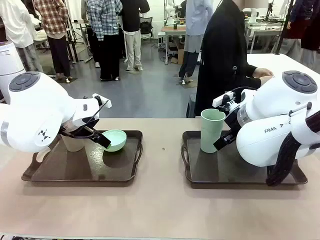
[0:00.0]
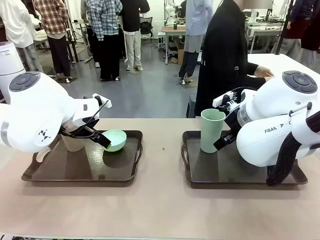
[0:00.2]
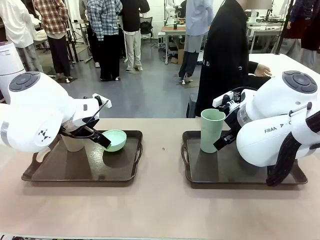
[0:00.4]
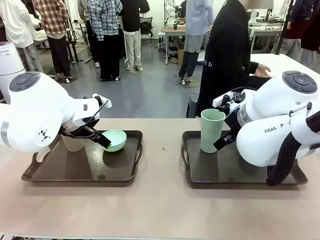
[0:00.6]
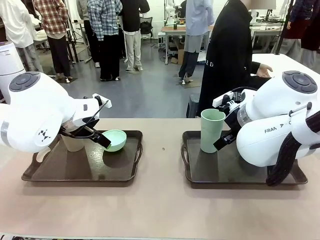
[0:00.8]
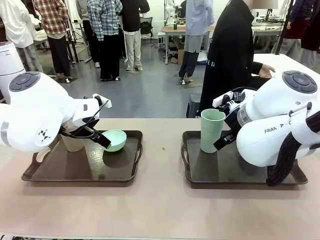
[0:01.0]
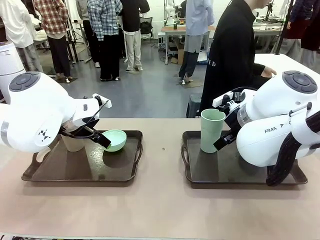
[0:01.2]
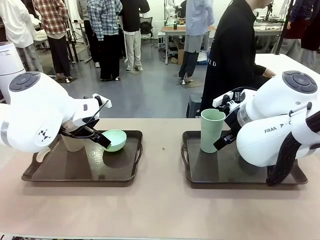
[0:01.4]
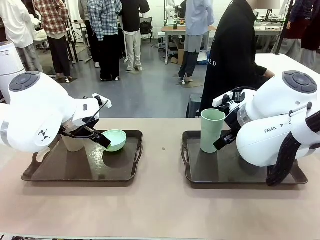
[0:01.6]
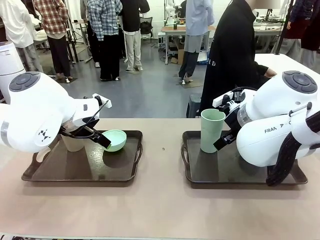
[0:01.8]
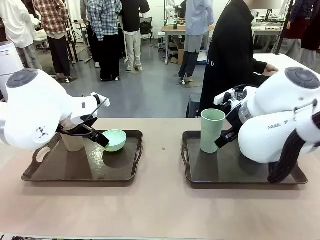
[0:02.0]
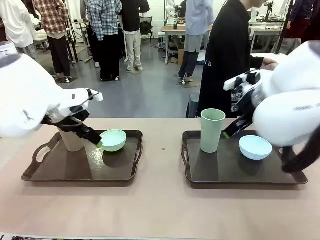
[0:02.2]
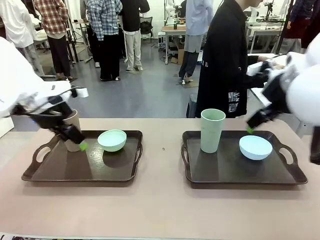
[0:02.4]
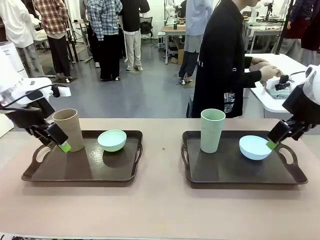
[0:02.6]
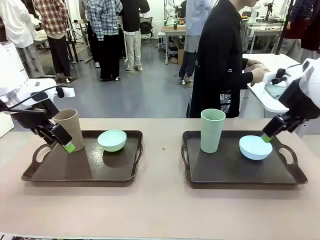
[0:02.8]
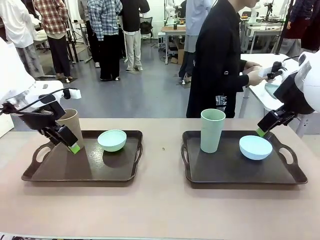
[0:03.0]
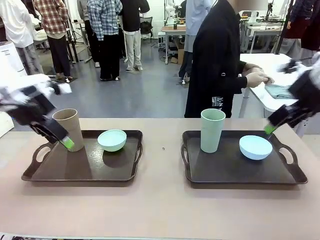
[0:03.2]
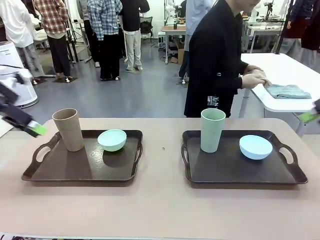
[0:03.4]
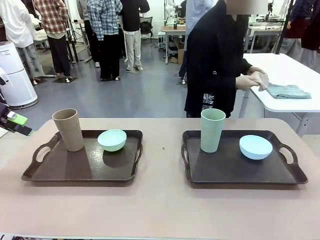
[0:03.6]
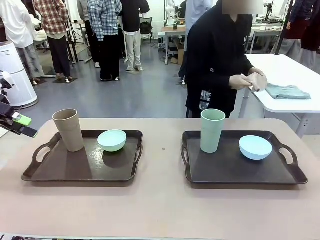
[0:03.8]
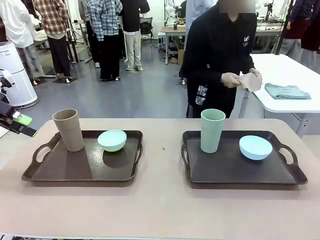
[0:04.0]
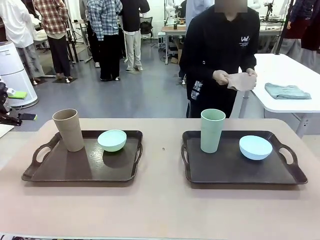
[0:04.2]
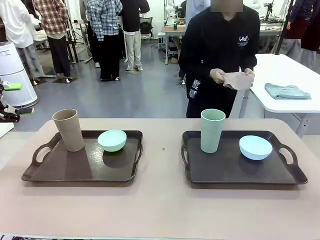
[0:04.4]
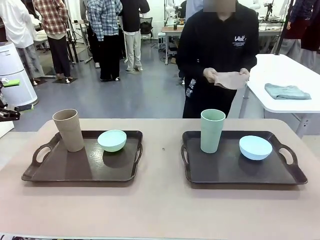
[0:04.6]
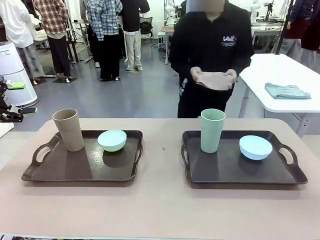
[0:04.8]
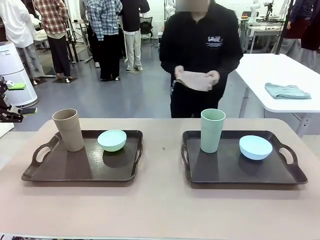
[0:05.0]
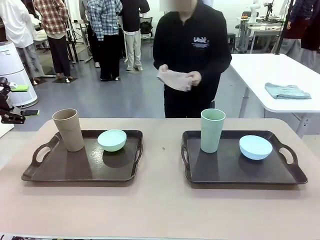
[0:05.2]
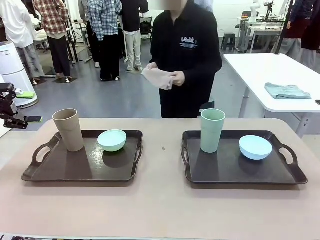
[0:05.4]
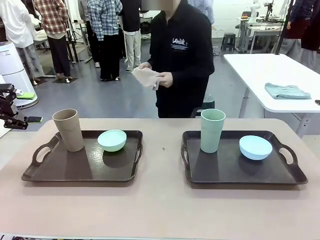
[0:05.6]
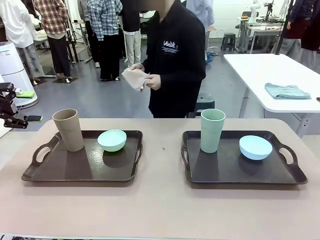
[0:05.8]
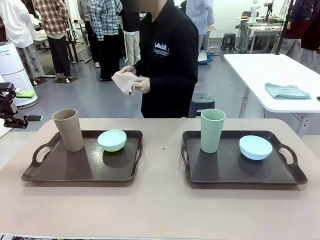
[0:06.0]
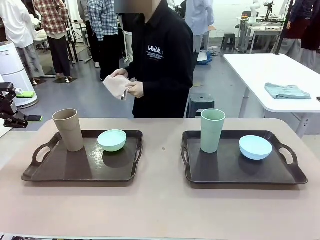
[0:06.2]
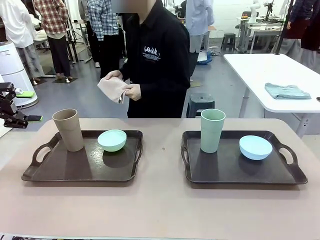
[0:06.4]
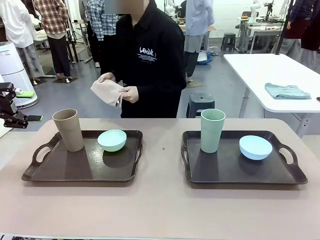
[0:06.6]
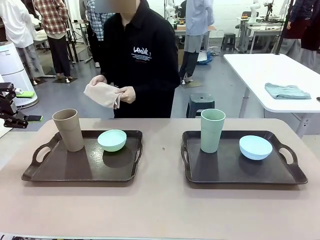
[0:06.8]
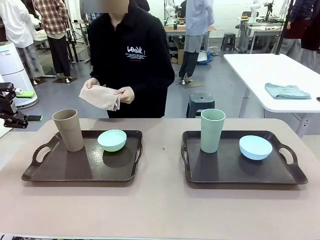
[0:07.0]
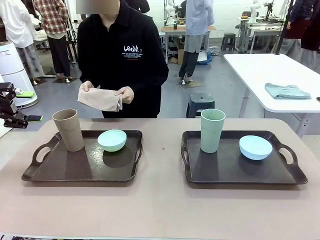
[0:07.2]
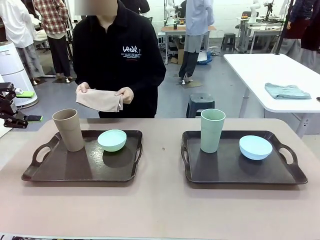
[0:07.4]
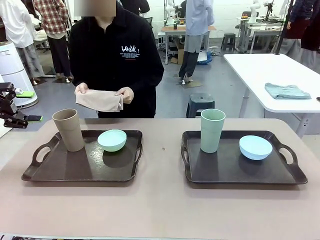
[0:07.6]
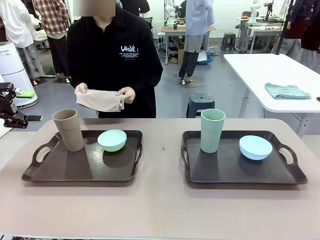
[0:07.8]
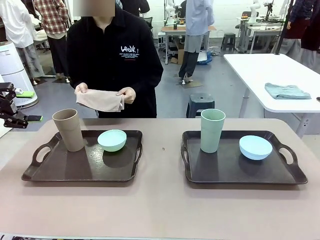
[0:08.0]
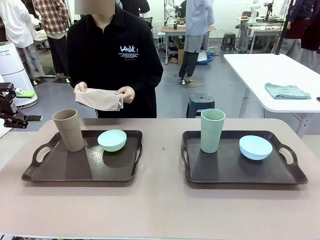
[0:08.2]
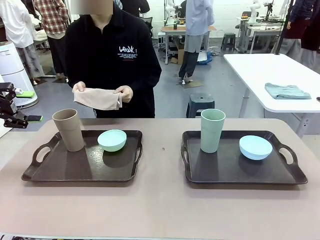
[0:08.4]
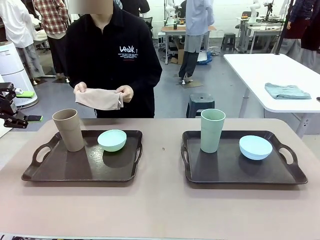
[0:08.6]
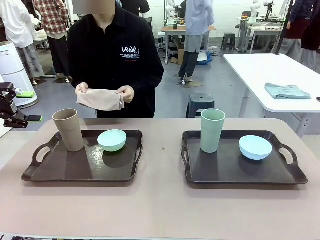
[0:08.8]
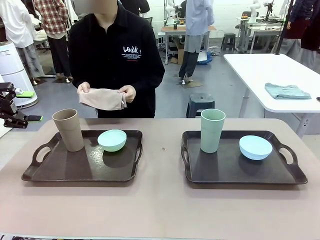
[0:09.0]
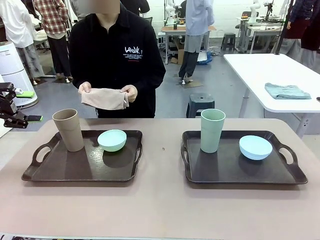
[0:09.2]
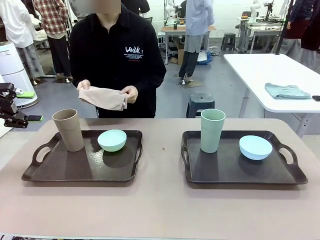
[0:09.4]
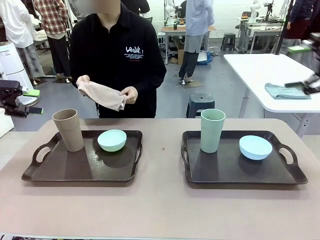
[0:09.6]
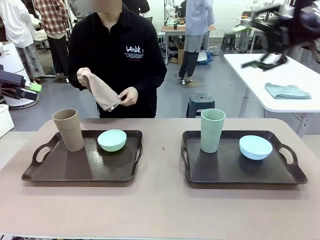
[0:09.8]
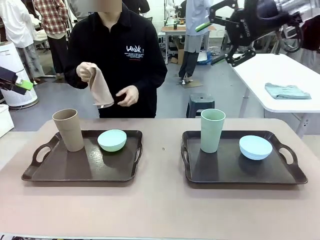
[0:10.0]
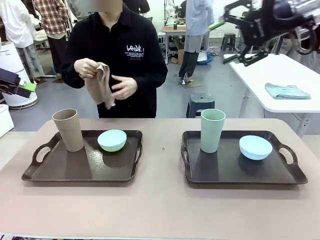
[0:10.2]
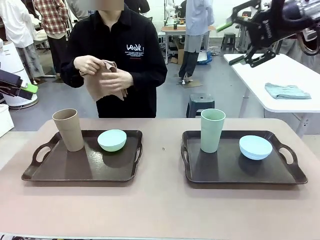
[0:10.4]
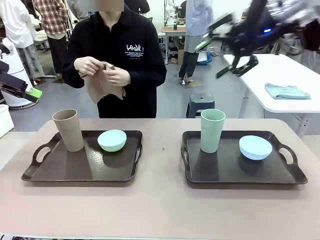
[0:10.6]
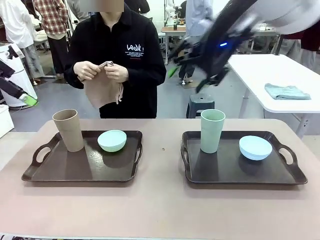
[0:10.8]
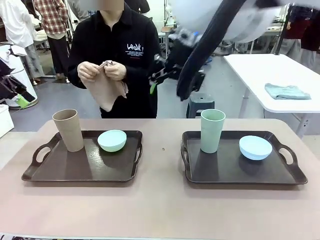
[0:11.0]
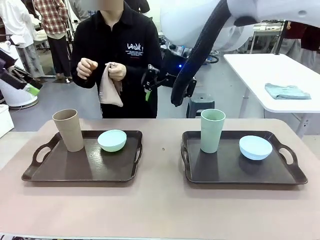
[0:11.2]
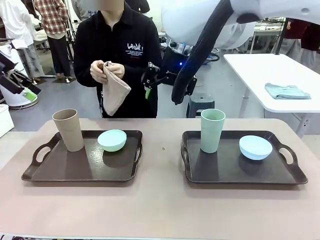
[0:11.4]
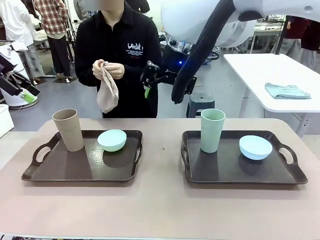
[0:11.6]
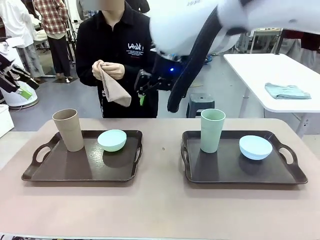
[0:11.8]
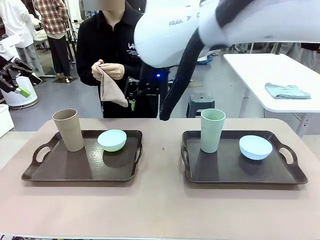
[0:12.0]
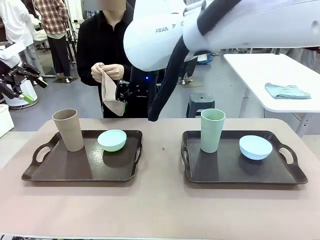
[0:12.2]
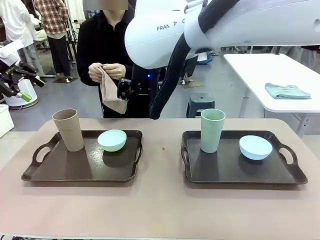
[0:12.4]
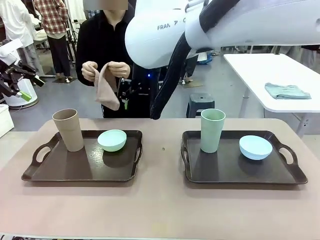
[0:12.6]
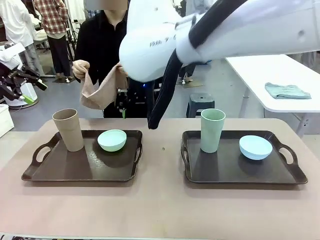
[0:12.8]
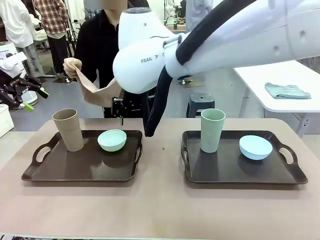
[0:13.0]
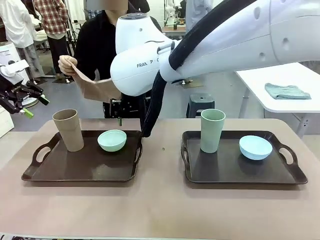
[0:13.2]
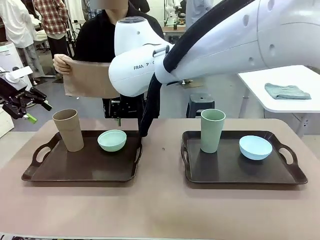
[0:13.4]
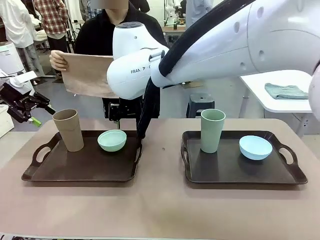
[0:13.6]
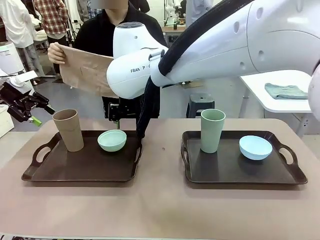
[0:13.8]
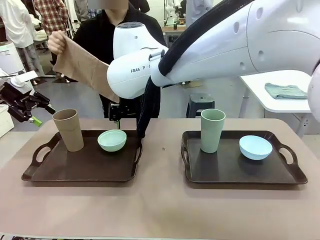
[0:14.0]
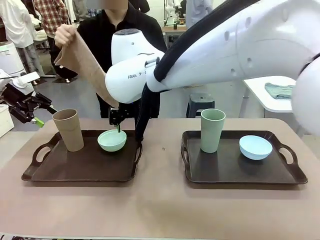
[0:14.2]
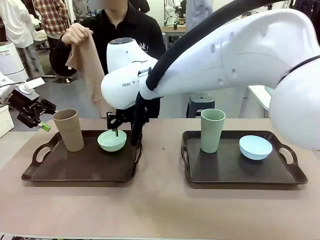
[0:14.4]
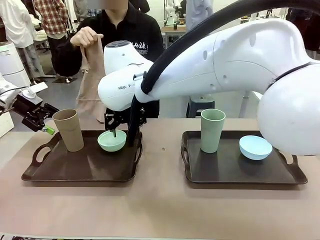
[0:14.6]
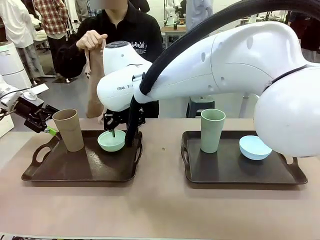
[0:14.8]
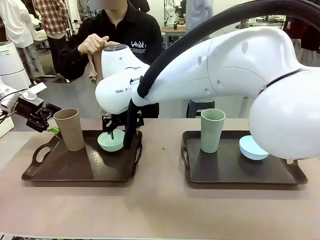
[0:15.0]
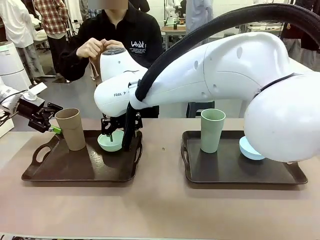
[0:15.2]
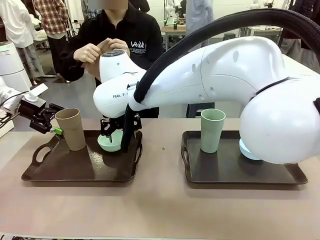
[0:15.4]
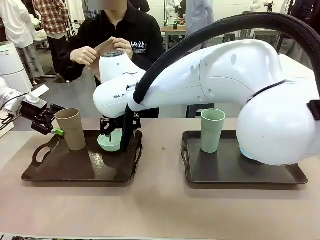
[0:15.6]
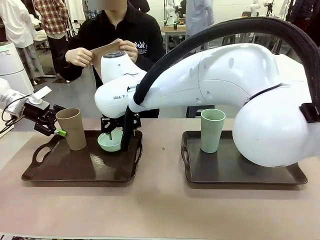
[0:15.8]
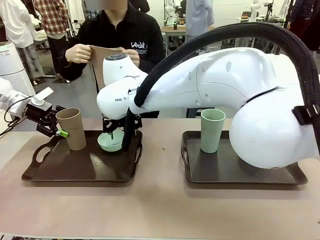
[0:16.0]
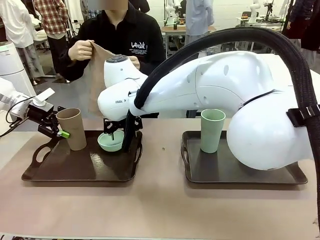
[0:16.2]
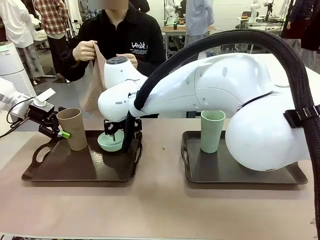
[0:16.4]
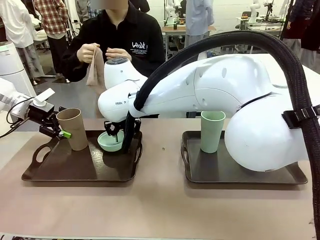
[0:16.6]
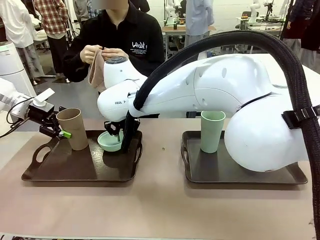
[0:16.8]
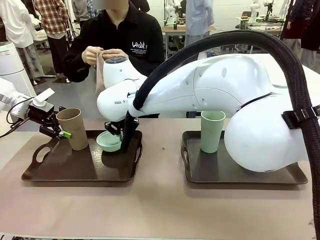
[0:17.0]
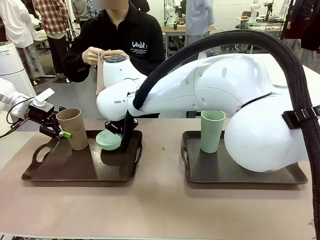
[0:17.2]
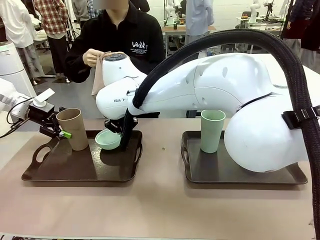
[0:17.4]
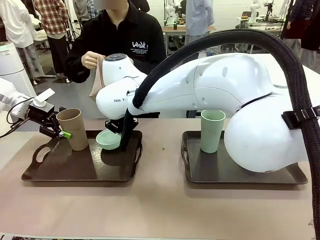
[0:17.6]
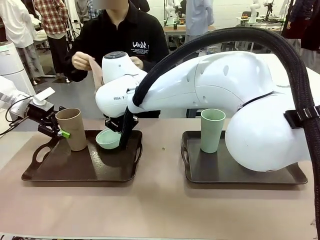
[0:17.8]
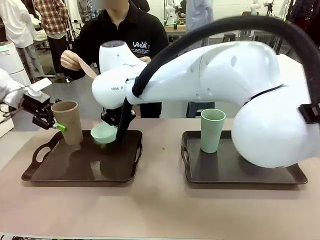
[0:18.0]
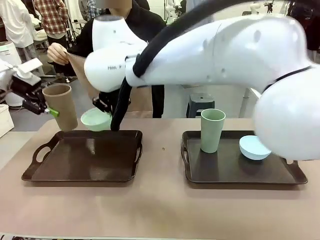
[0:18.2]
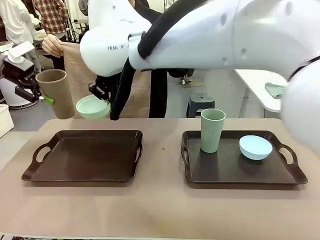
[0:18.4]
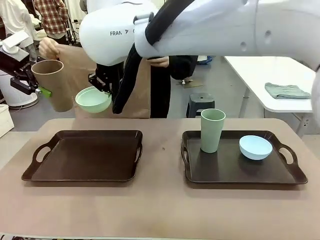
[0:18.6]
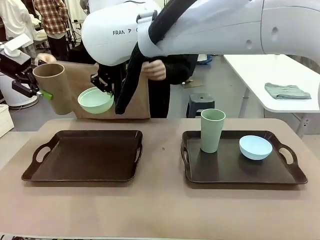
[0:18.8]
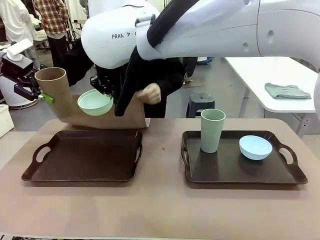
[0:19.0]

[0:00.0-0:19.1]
Robot: Pick up the Picnic Bowl and Reusable plastic cup from the Handle tray in front of the human's position and hold them in the air.
Person: The human picks up the top napkin from the stack on the human table and walks to the robot table to stand in front of one of the two trays. When the robot lifts the bowl and the cup, the human unfolds the napkin and lays the napkin flat on the tray.
